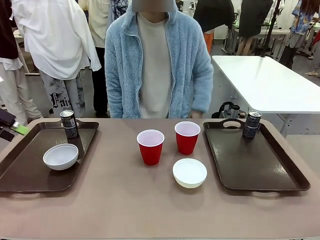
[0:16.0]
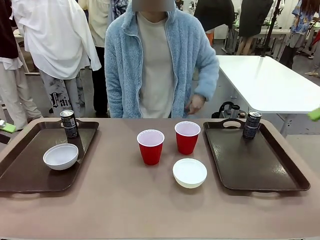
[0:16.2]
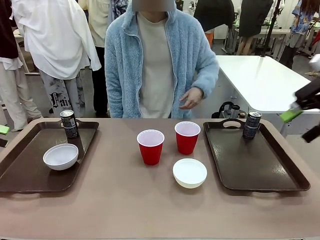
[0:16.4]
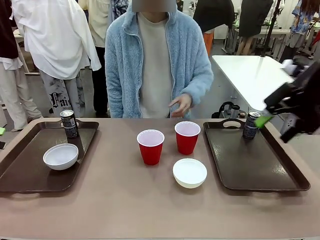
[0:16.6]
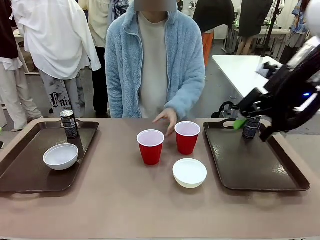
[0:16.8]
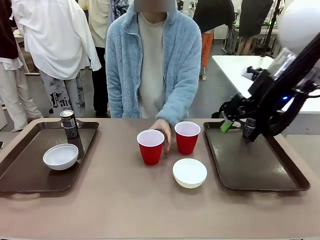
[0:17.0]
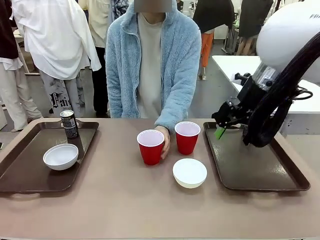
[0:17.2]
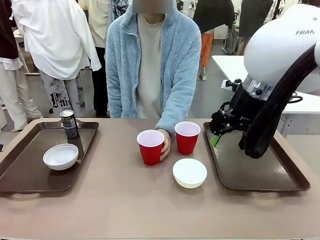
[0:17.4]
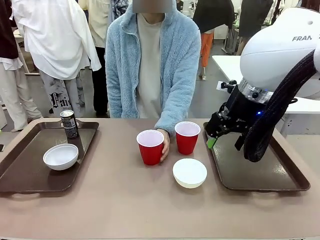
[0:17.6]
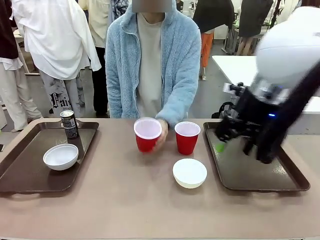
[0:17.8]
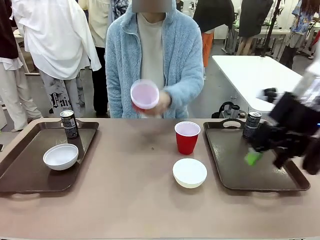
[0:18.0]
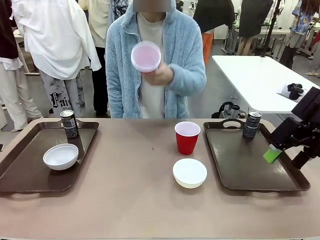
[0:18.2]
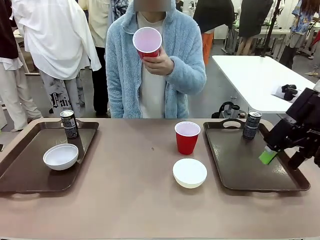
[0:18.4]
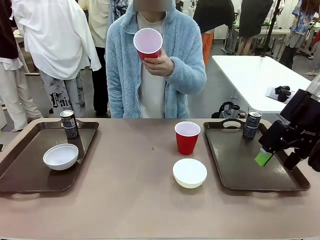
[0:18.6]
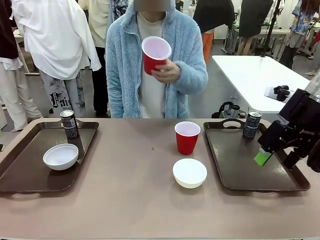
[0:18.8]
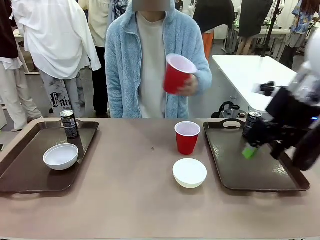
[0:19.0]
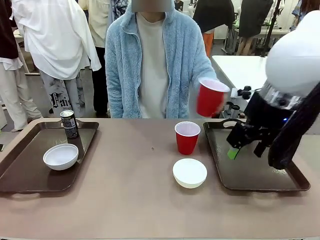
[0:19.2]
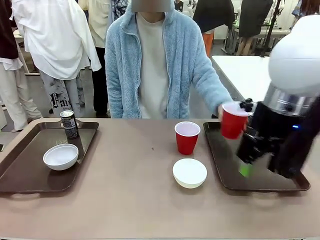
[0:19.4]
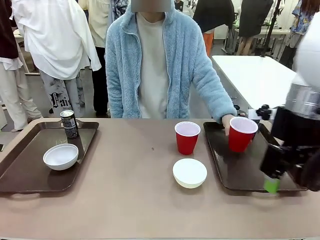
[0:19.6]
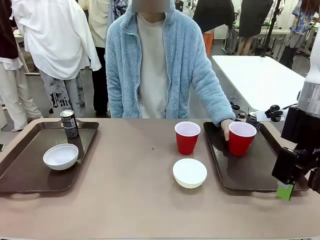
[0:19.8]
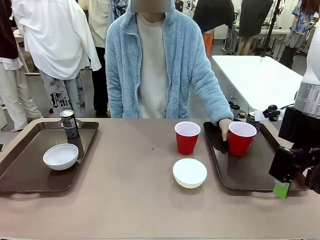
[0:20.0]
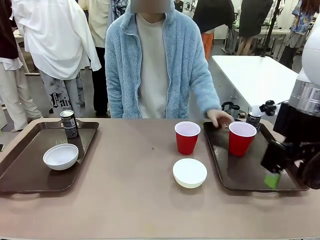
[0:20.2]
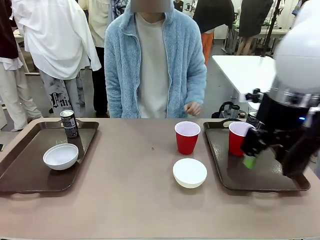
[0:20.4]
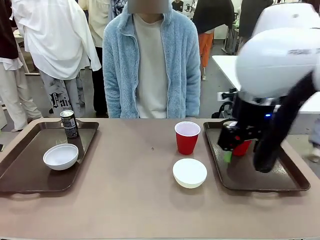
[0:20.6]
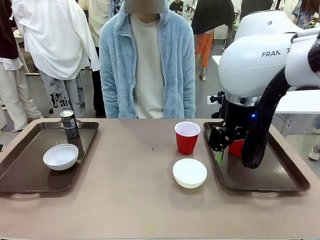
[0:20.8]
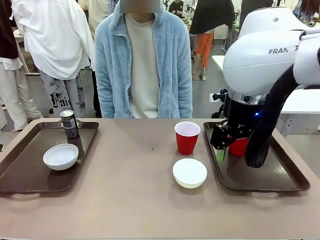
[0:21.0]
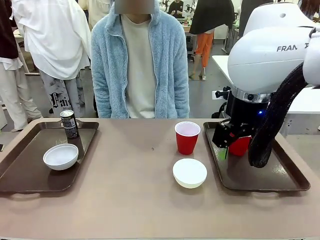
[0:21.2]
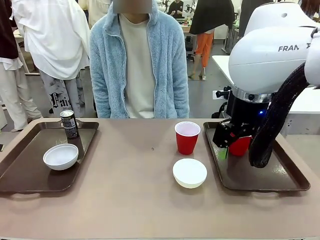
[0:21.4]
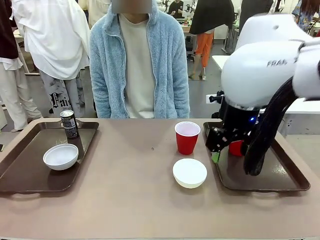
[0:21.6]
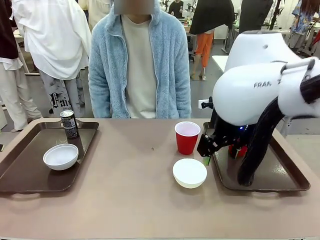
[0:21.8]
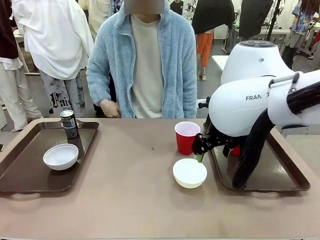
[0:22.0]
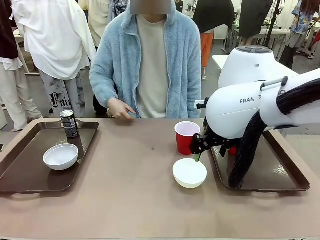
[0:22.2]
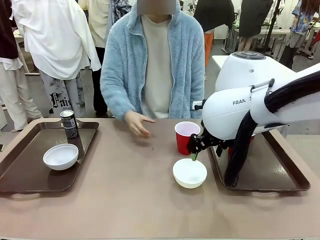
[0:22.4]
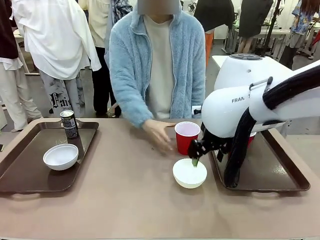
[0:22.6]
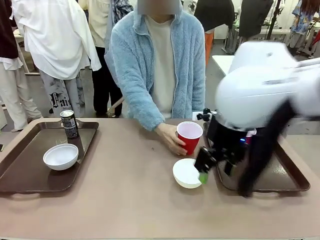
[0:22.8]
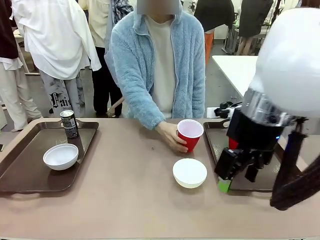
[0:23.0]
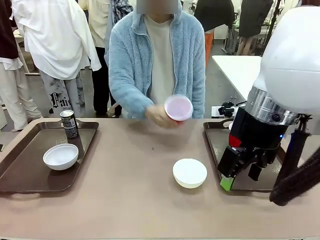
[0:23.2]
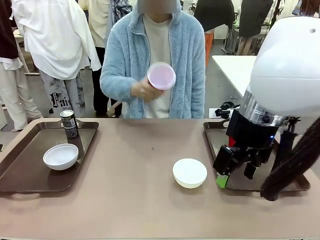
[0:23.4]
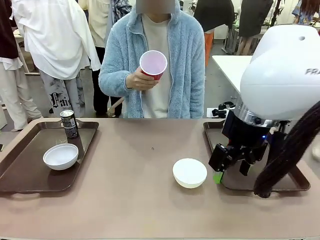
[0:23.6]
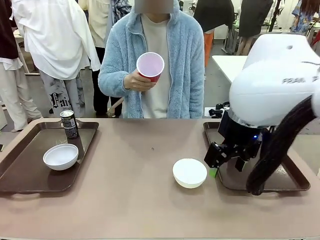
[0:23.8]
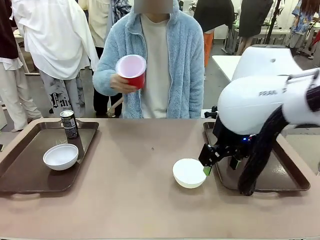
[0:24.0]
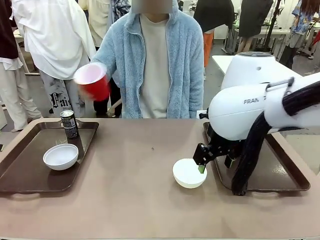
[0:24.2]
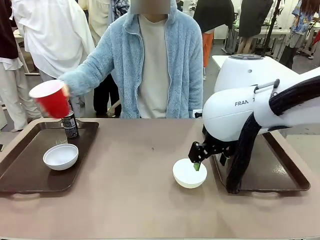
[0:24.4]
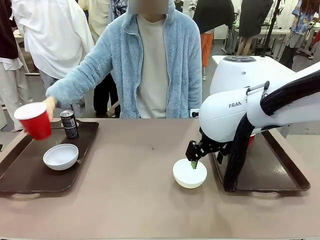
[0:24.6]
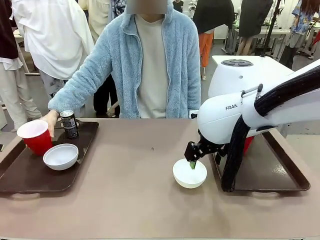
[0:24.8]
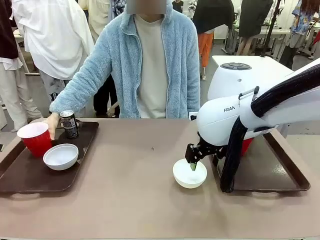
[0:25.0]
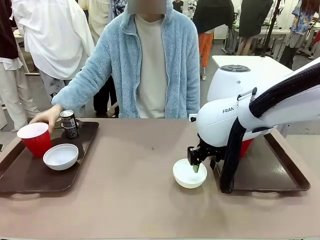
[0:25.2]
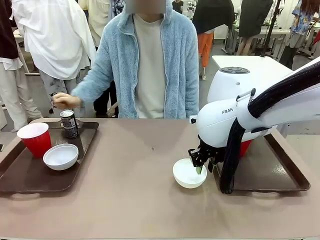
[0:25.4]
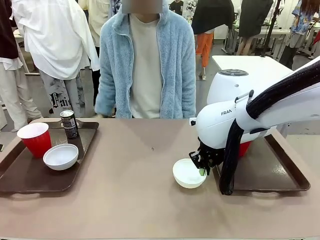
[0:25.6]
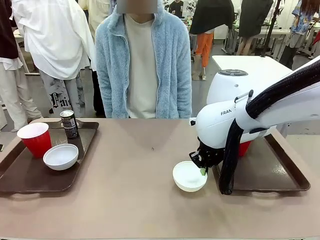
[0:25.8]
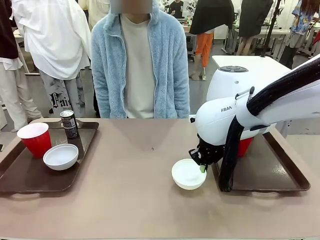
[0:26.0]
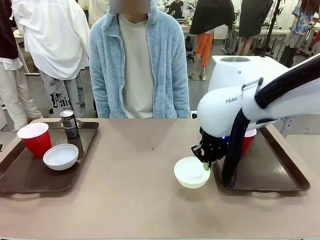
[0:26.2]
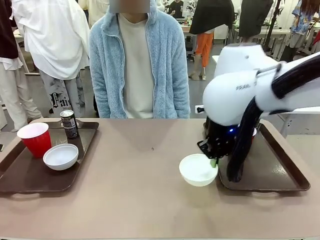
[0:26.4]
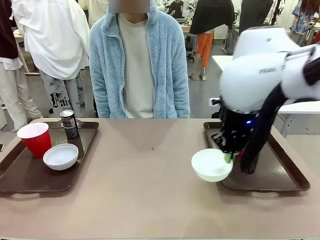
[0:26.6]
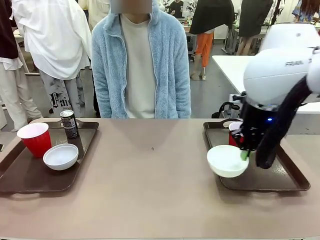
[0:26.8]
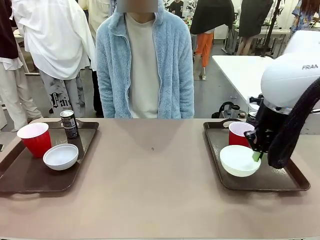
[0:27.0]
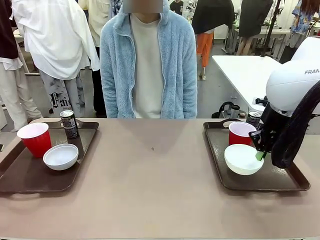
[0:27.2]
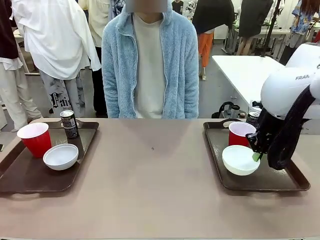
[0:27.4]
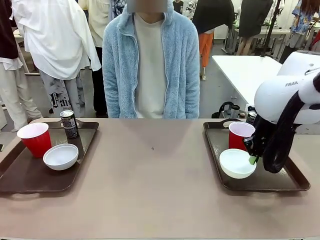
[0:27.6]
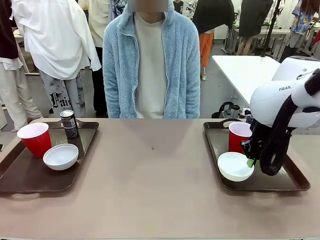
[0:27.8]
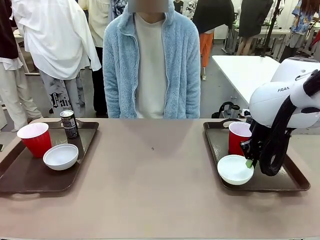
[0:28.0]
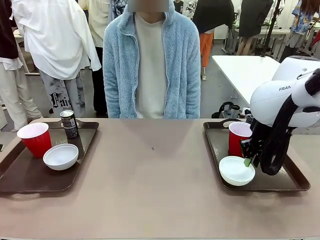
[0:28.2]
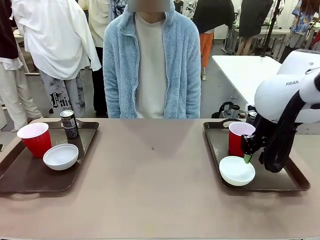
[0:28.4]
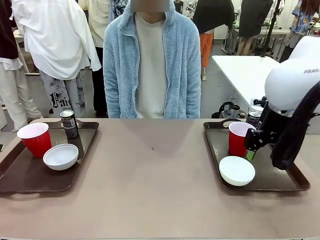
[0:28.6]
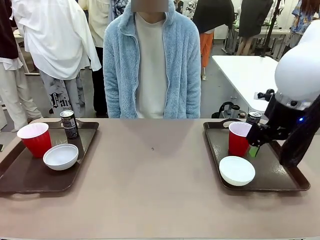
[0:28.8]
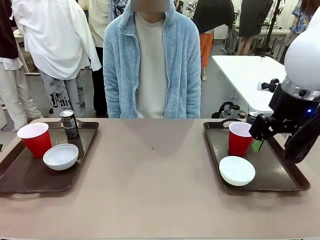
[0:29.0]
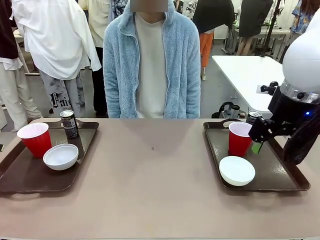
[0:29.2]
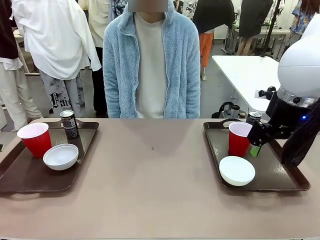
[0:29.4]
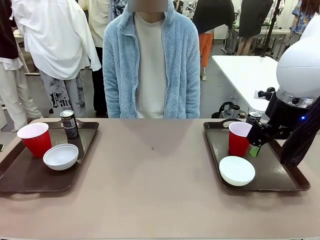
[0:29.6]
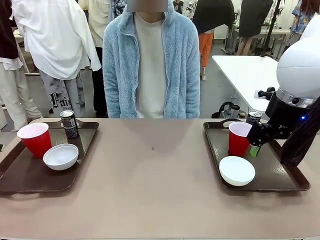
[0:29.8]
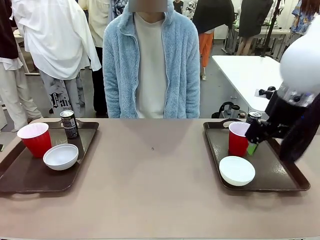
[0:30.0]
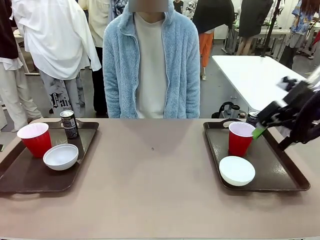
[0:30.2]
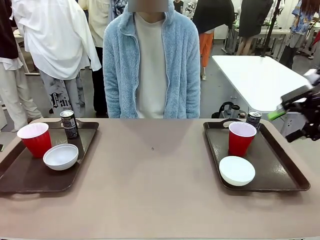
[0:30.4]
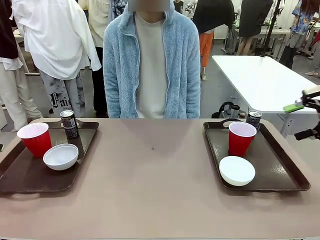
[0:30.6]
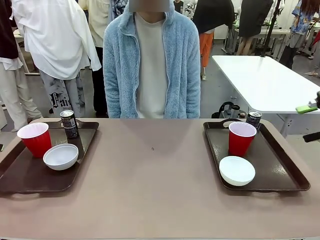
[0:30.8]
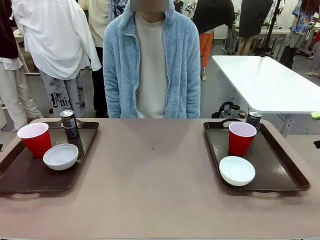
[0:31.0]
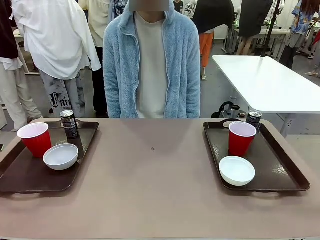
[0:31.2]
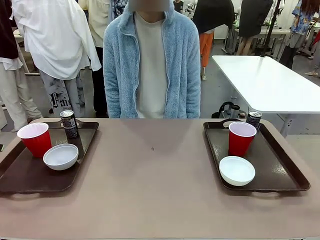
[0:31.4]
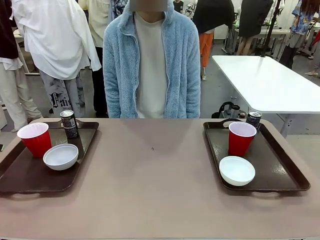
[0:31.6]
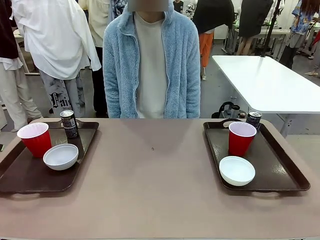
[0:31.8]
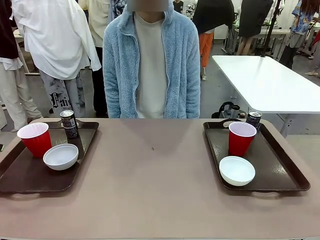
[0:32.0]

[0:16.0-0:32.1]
Task: Prepare tableware on both trays.
Robot: Pick up a Picnic Bowl from the table and place it on a Handle tray.
Person: Pick up a can or cup and place it on the tray without a can or cup.

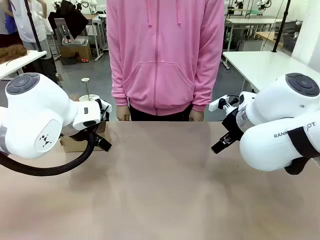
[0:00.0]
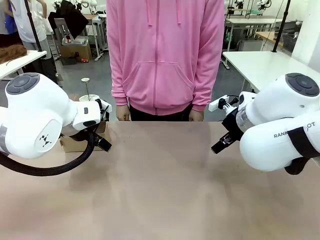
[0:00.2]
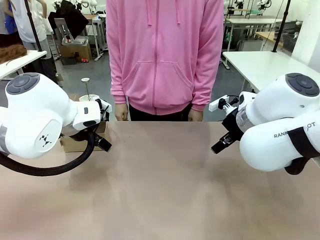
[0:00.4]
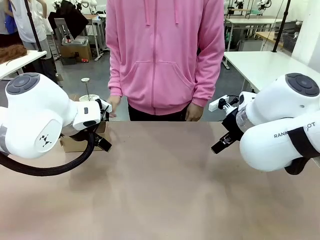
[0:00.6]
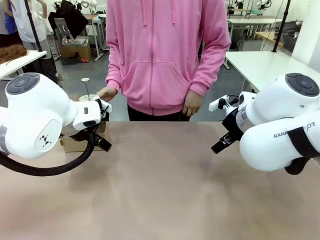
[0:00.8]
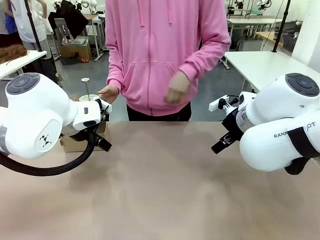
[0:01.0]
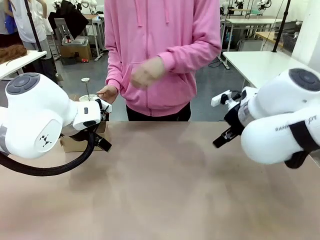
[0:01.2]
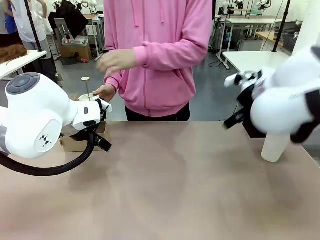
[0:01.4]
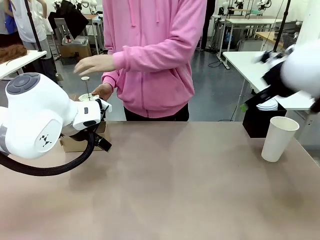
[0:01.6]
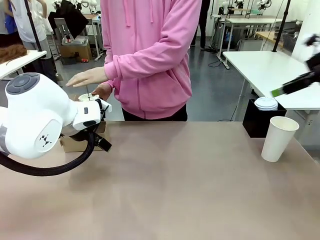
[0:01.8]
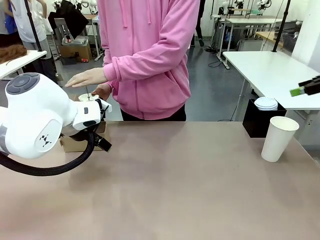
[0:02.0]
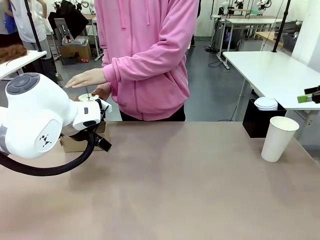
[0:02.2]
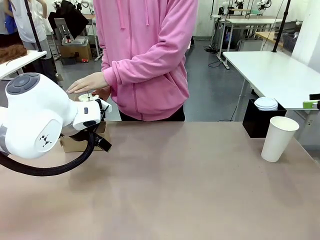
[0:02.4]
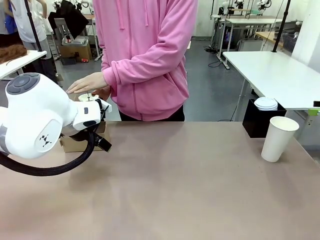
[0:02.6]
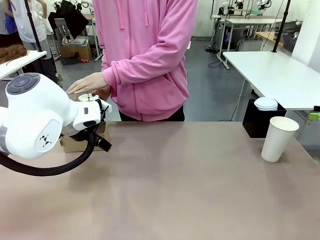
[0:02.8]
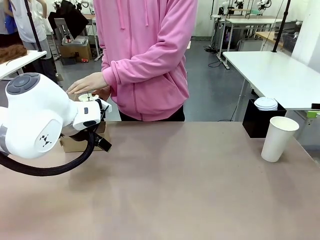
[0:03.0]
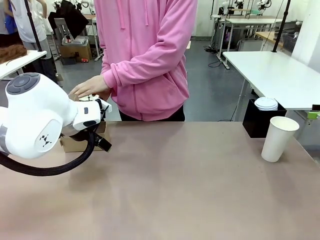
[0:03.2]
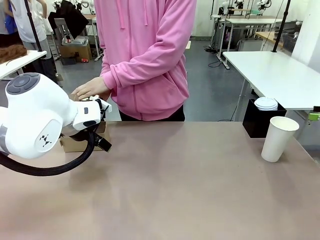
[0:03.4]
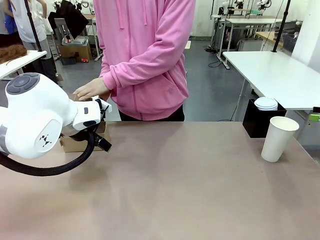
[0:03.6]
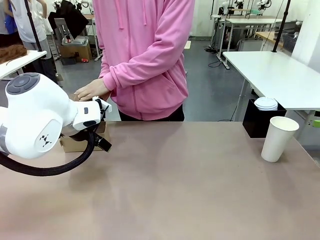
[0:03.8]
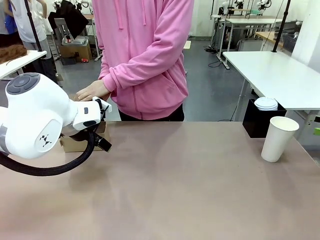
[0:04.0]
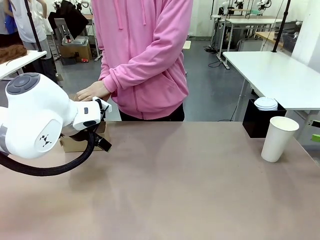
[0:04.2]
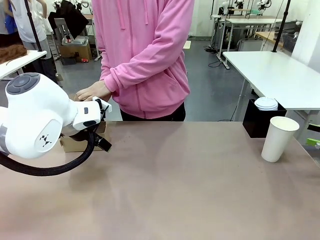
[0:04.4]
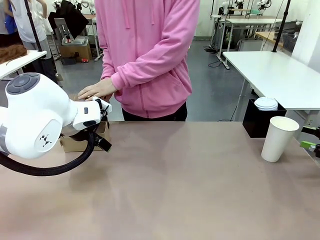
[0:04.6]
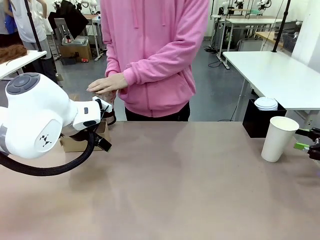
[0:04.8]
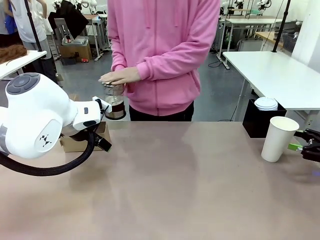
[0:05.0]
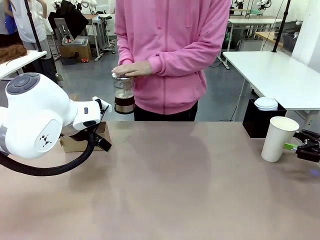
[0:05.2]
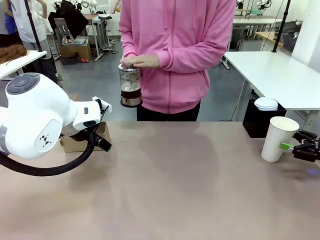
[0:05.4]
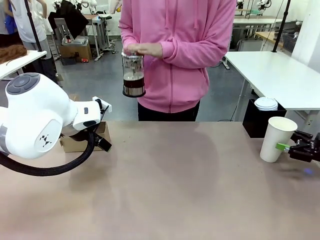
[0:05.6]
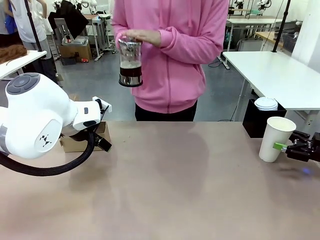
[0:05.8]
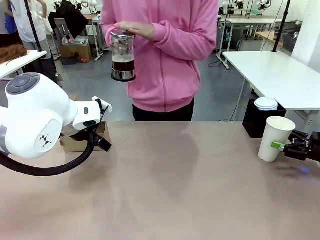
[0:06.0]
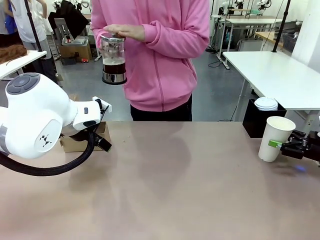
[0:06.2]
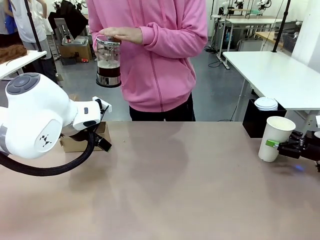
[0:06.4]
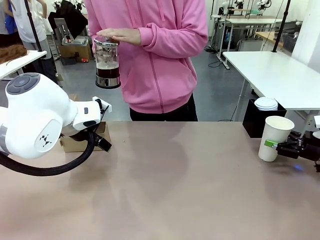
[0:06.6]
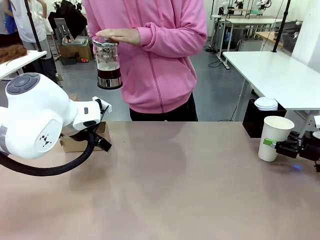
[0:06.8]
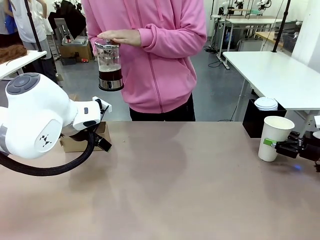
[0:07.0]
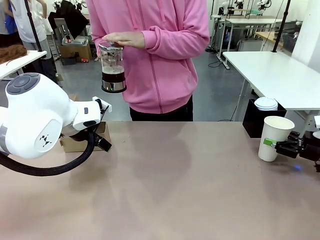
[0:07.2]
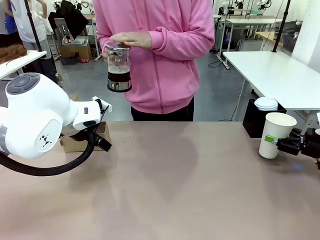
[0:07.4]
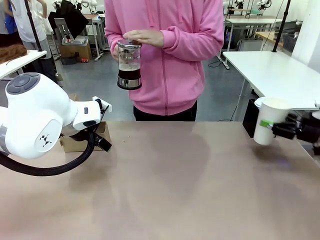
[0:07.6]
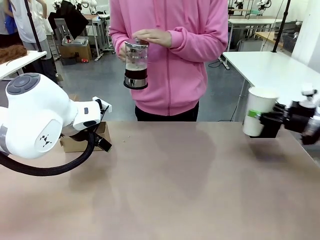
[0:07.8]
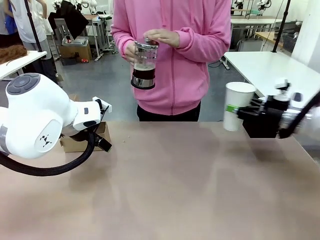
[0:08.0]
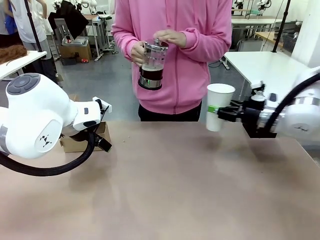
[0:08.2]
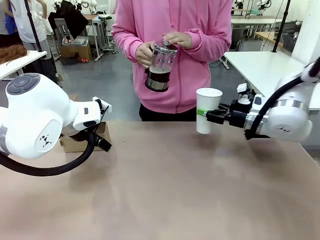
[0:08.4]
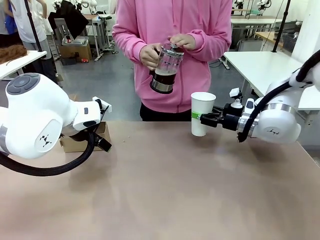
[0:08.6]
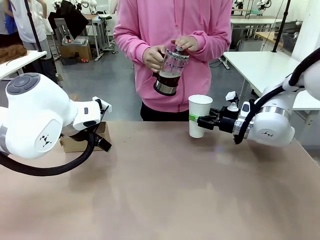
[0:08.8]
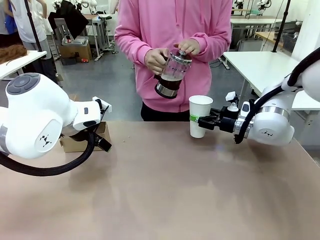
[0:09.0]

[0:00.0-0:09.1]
Task: Pour a drink into a cup and package it in a carrier.
Robot: Pick up the 600 ml Paper Cup and place it in the middle top area of the table.
Person: Press and pick up the Filter Brewing.
